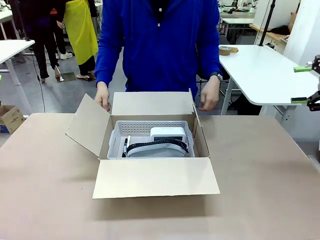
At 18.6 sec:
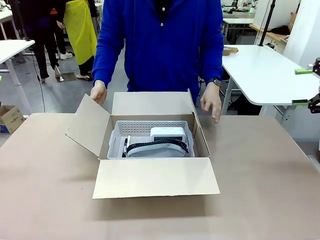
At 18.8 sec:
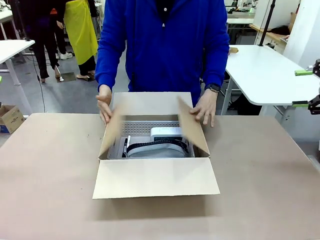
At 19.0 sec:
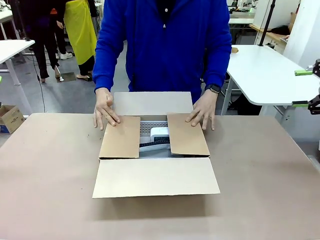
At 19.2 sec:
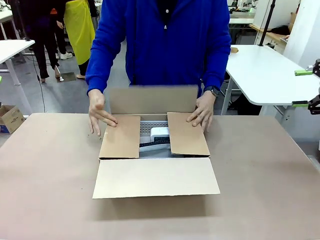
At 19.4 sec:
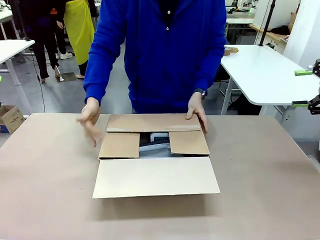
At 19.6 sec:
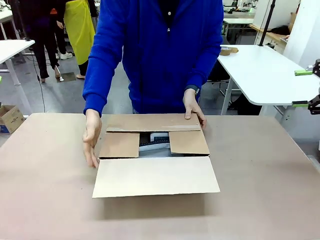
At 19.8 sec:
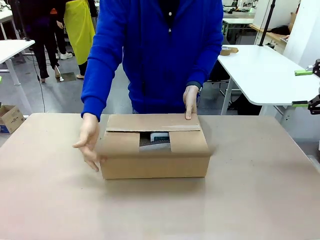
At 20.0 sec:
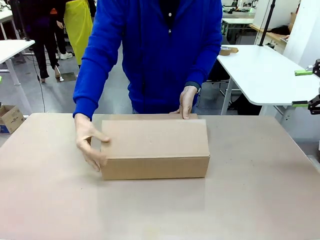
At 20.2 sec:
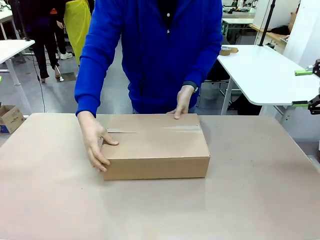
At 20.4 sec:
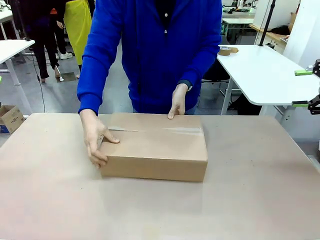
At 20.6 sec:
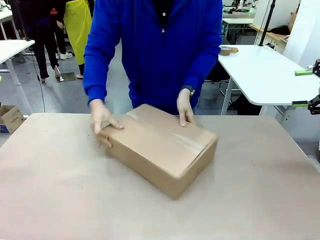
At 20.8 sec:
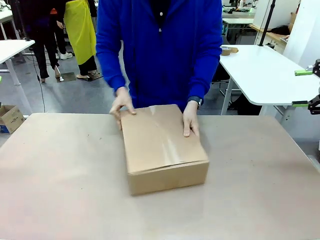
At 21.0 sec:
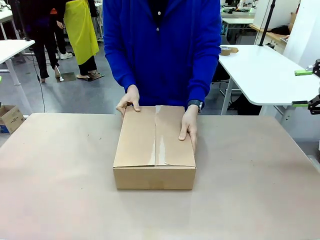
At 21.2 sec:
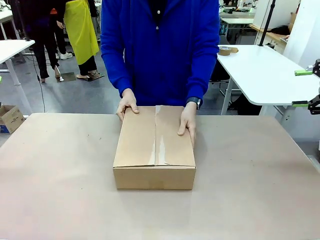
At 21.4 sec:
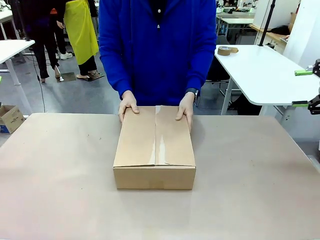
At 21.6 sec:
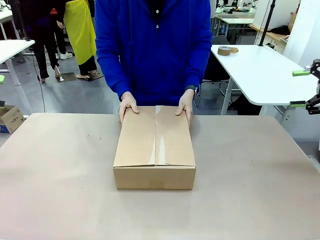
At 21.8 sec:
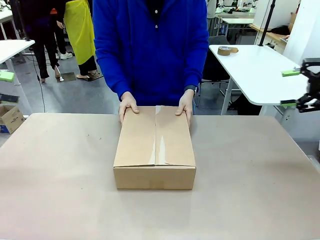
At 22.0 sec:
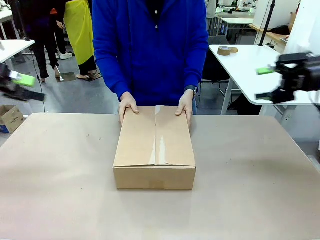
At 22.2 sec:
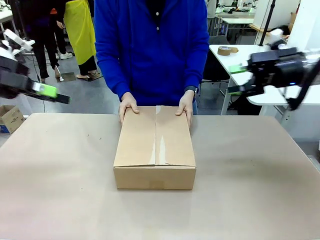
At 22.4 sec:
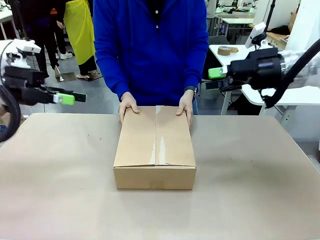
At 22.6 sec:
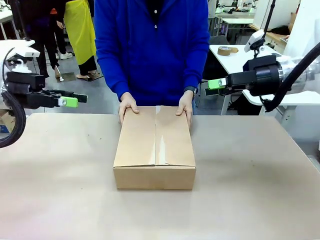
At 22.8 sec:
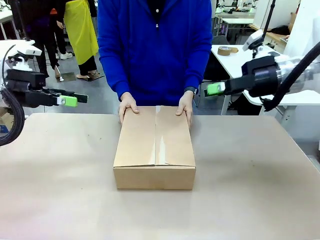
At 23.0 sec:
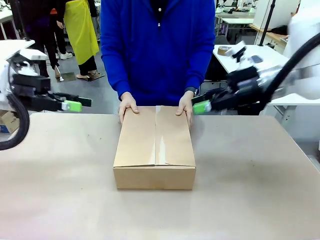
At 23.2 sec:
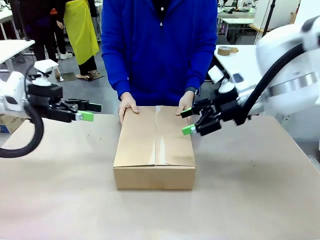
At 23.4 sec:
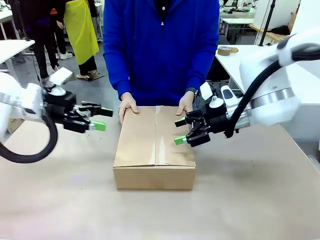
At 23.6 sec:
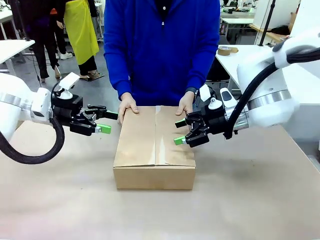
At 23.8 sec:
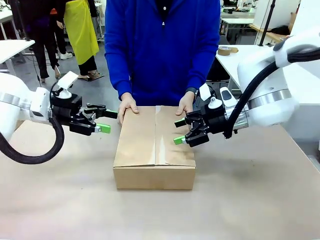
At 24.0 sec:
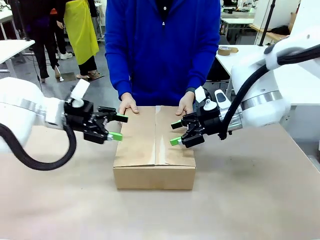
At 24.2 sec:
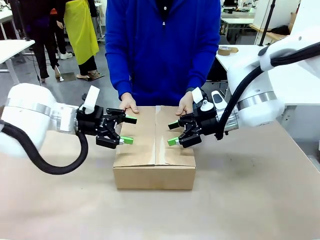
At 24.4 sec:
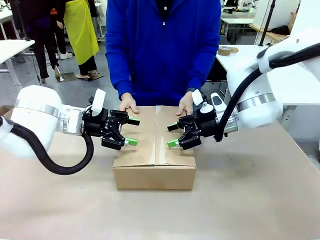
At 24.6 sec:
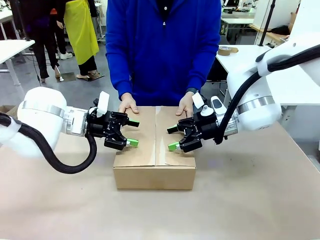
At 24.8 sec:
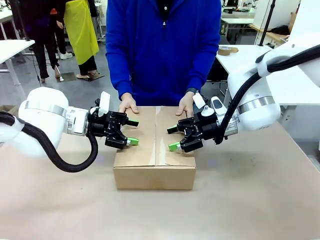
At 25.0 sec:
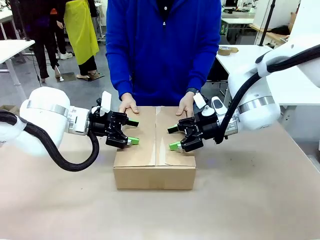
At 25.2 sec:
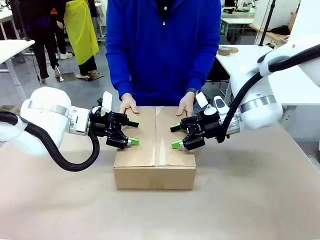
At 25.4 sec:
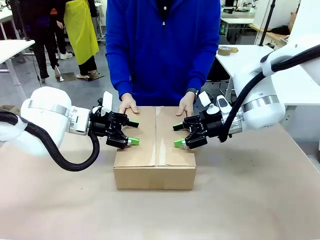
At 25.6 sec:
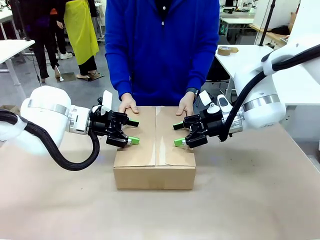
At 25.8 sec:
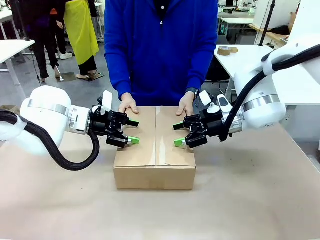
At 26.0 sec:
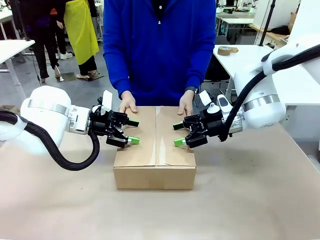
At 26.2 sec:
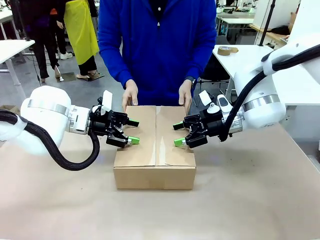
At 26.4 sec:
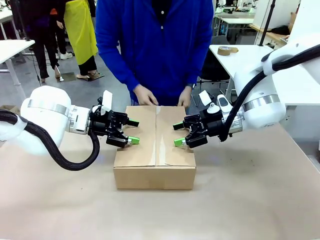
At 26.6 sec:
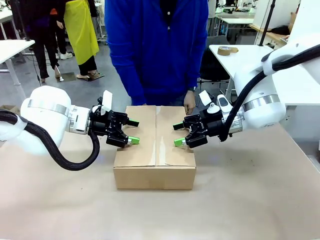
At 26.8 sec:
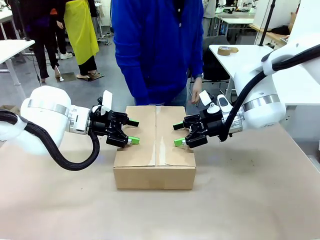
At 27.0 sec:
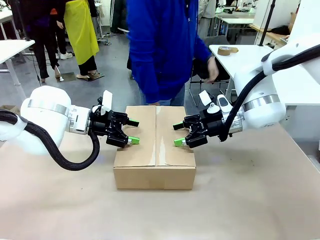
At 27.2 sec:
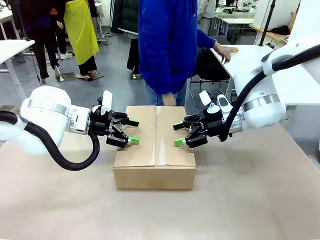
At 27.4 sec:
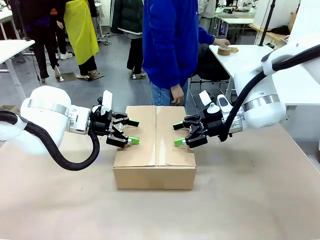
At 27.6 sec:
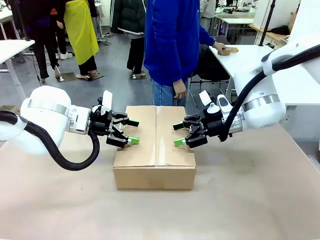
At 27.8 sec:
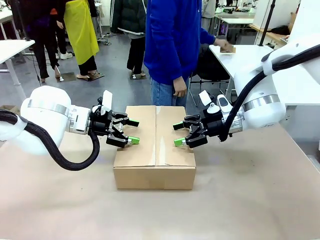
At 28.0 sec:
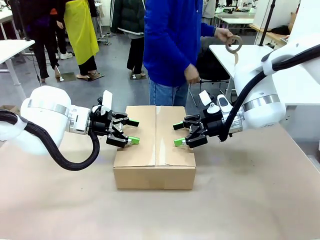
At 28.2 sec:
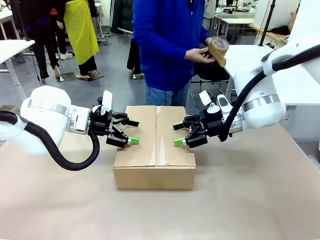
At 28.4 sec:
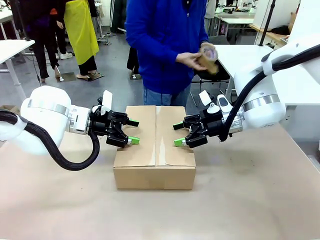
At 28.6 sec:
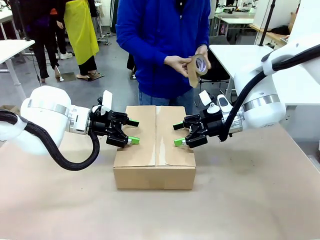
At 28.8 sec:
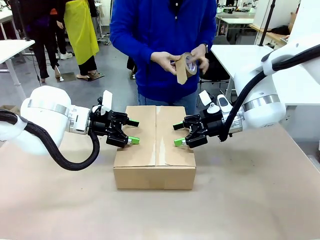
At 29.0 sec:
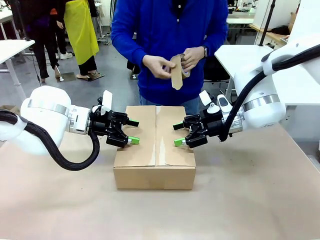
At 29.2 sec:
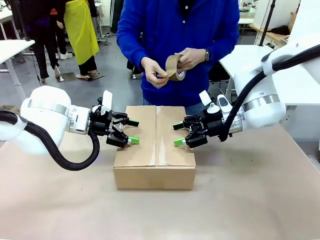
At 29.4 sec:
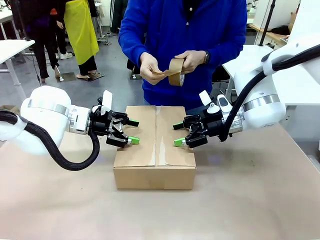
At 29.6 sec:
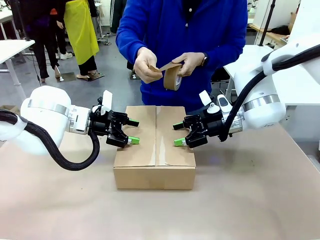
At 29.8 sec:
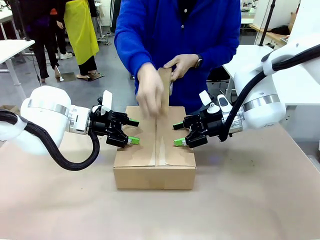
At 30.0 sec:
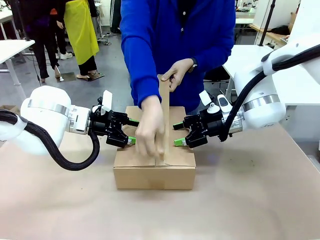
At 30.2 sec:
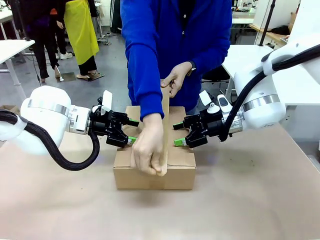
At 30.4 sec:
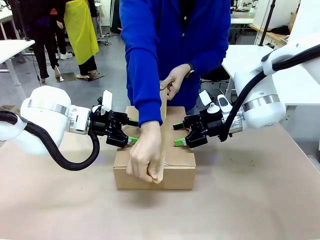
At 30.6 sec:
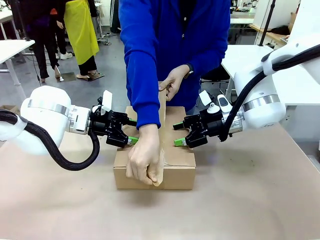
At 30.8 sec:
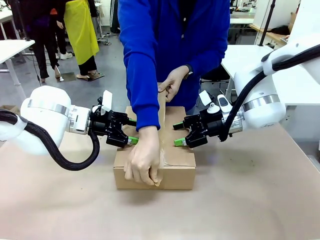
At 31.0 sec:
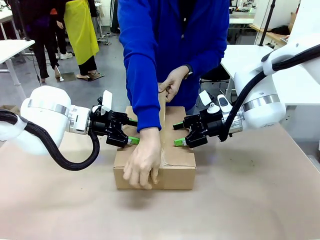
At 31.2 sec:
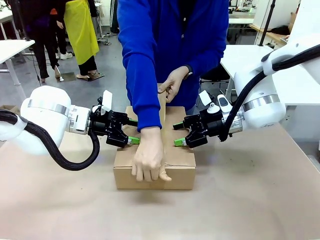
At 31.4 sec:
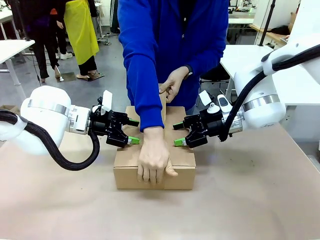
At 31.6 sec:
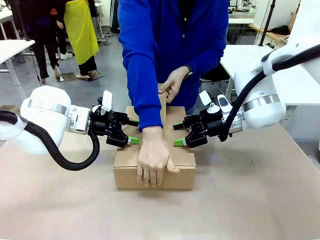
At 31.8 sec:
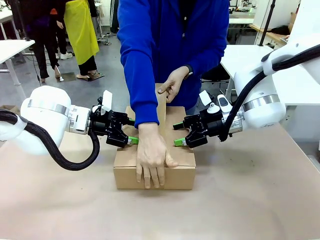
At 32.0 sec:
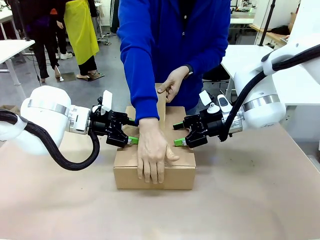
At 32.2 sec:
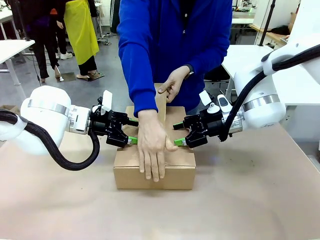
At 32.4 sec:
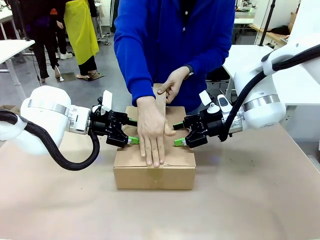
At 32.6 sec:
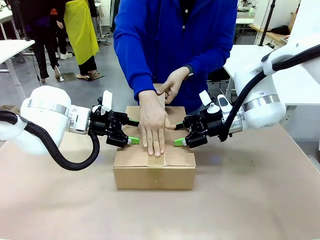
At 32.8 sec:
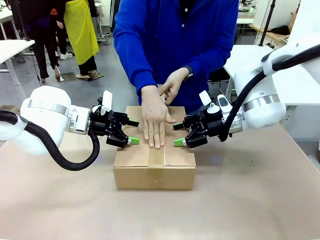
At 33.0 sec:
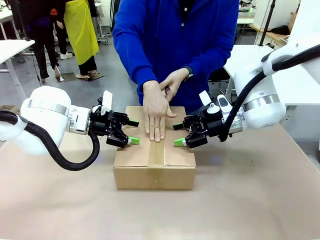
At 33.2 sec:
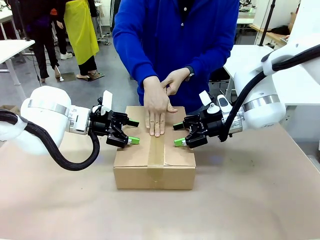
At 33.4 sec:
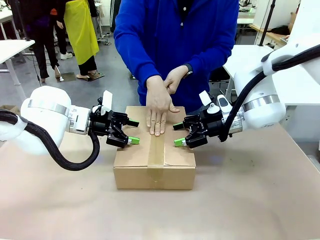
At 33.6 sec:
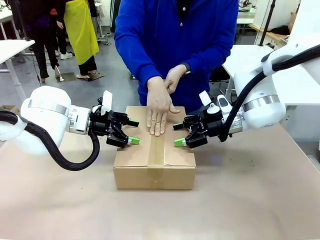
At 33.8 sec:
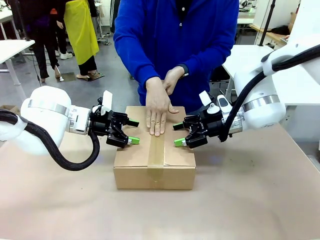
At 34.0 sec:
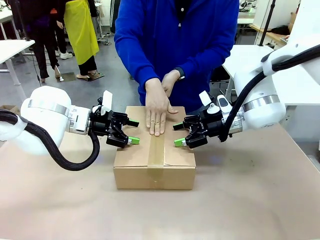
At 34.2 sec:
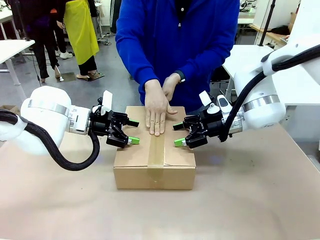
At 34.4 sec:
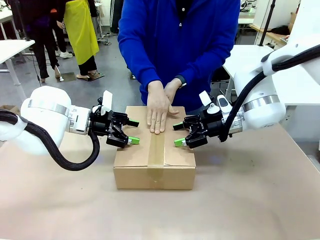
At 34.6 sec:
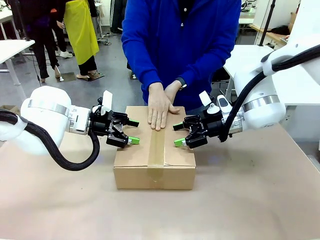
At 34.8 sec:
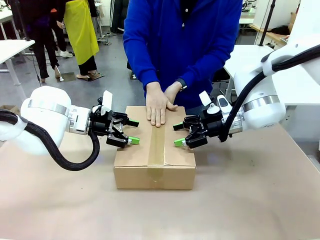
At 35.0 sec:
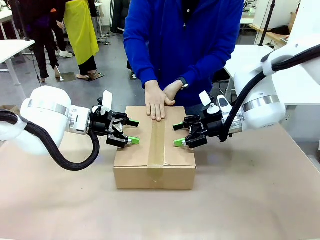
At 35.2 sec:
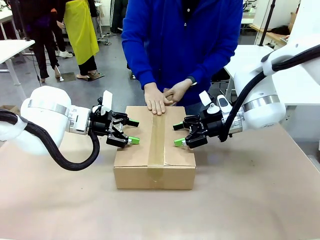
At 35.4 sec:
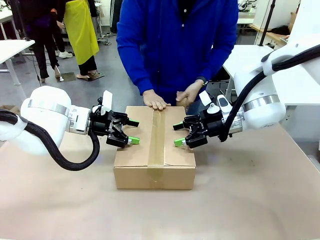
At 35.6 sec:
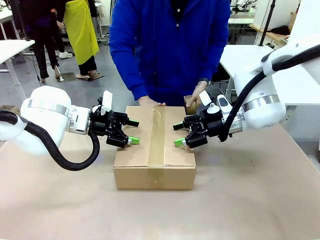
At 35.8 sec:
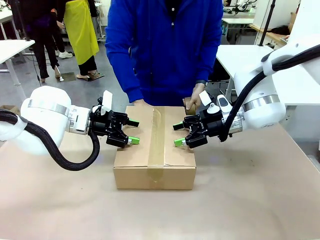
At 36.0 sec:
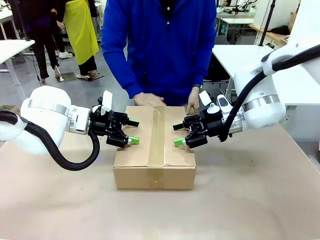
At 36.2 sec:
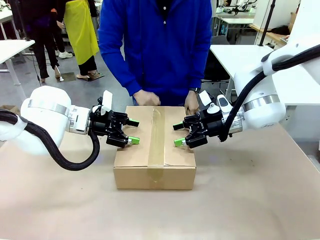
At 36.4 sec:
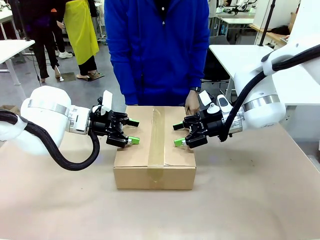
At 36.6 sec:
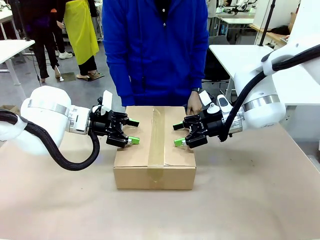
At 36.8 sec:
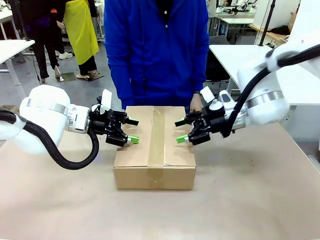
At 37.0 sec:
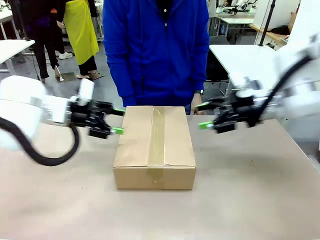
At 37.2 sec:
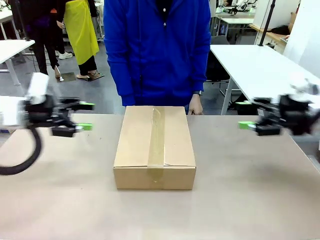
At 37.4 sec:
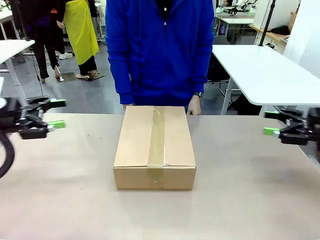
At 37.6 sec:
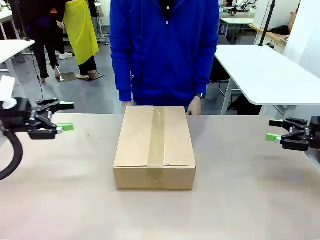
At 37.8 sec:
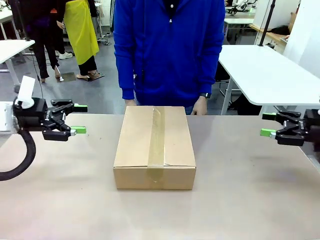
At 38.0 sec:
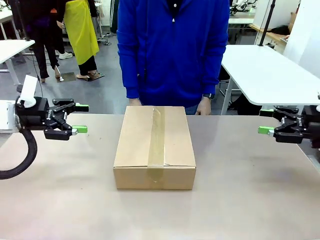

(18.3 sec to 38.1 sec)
Task: Pack the gift set into the box.
Robot: Press and hold the closed box until the human finishes sealing it.
Person: The human closes the box and rotates the box by 90 degrees. The human picks up the paper tape from the human table and packs the box.
